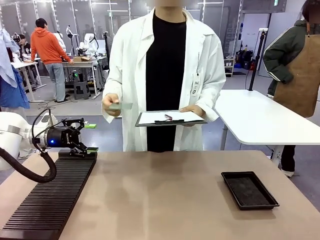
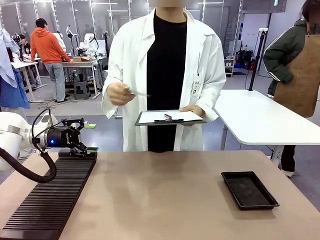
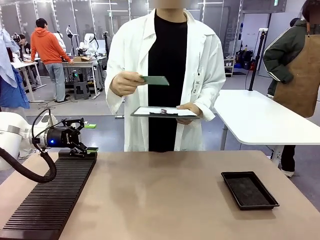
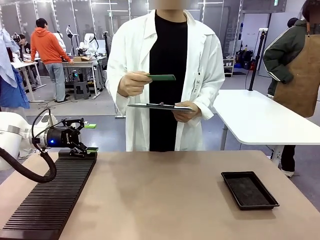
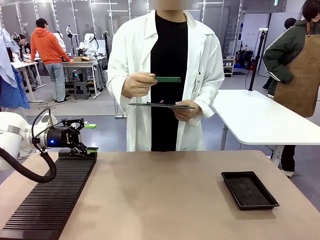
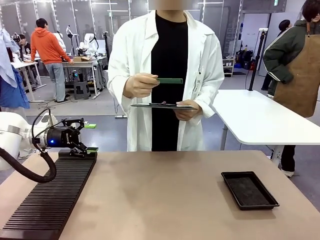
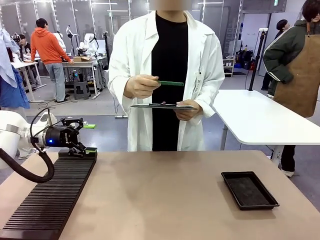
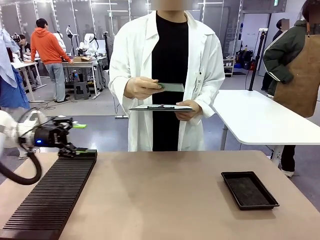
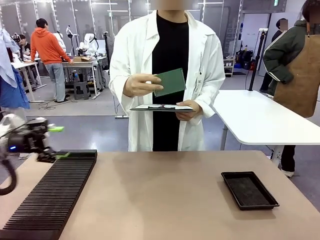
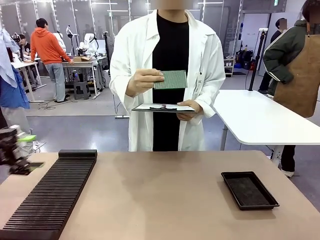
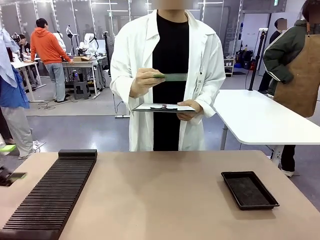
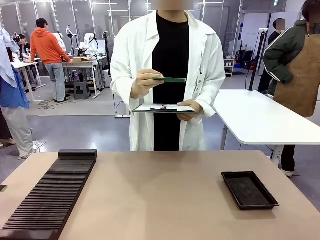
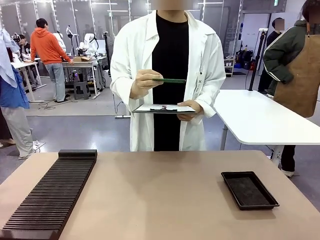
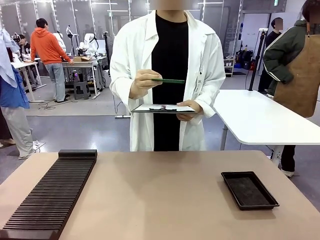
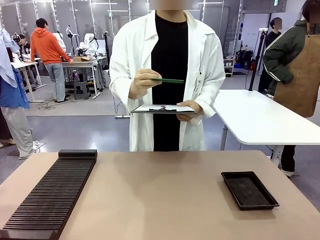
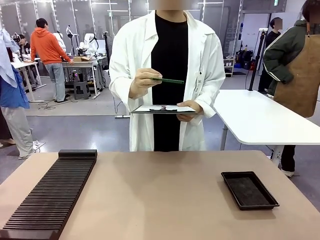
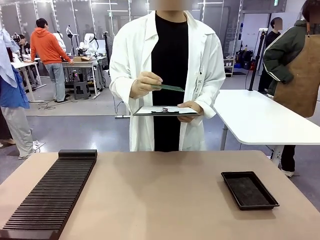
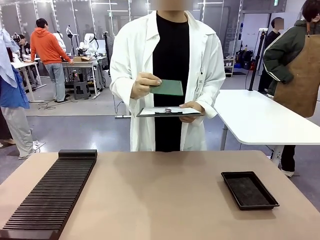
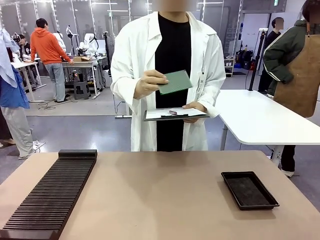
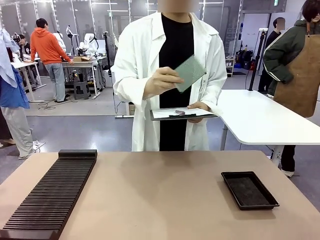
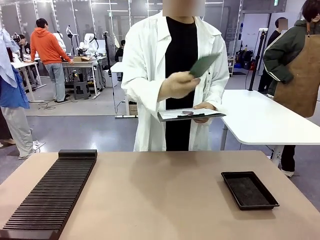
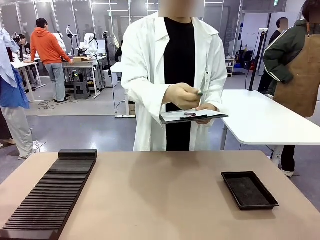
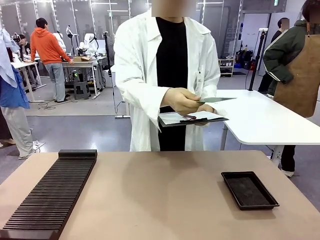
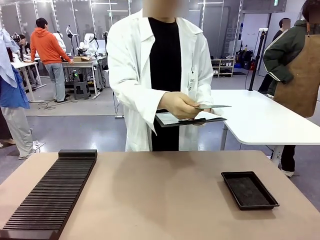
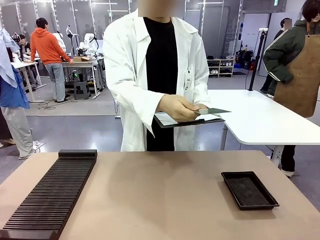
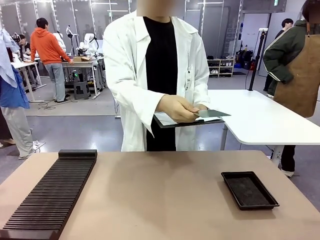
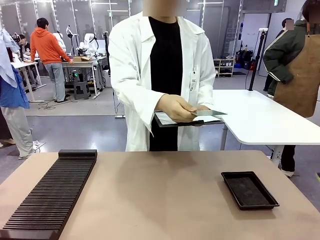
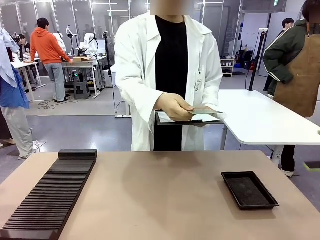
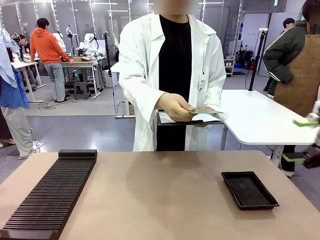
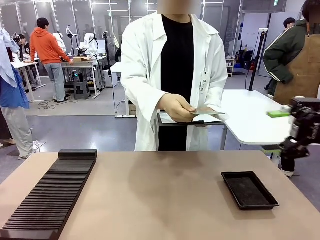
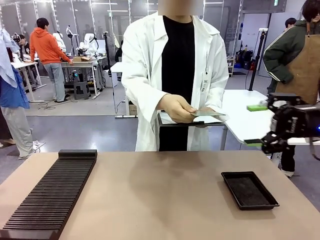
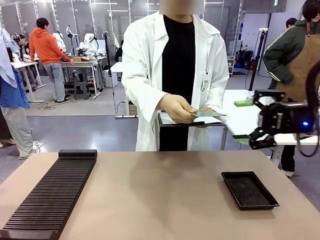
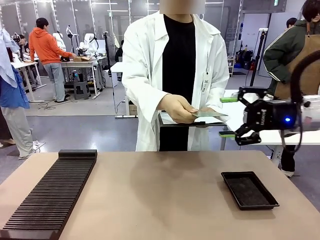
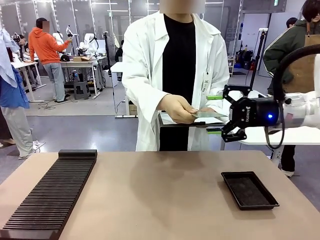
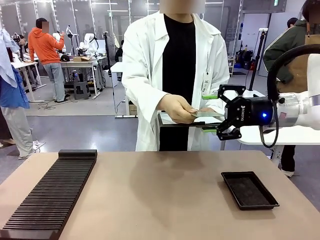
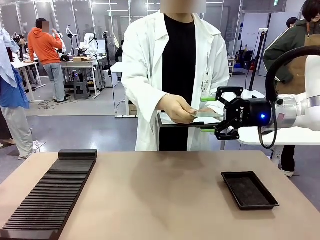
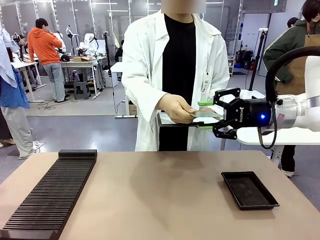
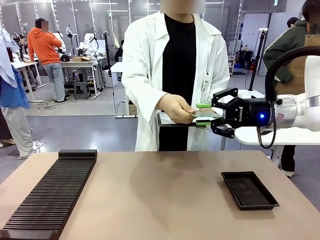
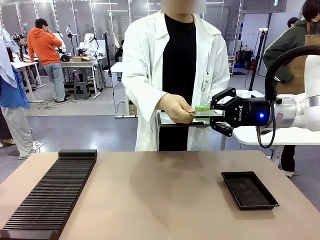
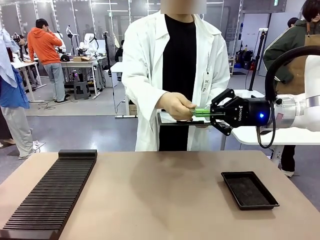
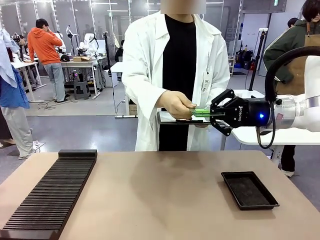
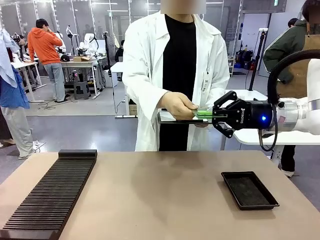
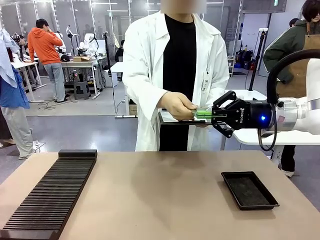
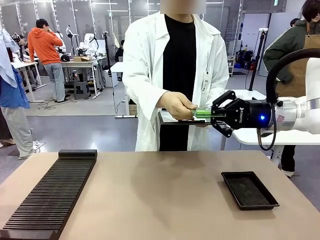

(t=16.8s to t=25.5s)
Task: Inspect the PCB.
Robot: Pick up the Blank PCB that the human is holding.
Person: Inspect the PCB placed by the robot, then hold it out in front of the robot. Release the PCB you were holding.

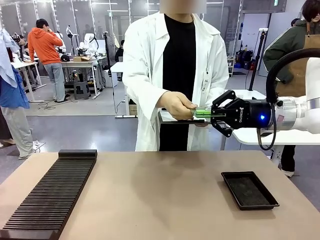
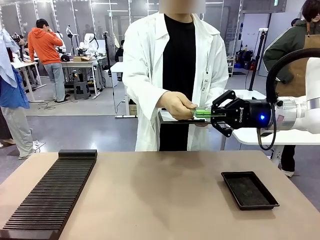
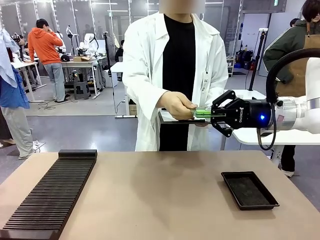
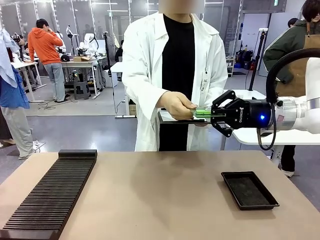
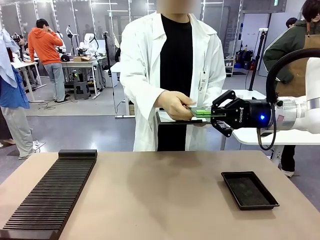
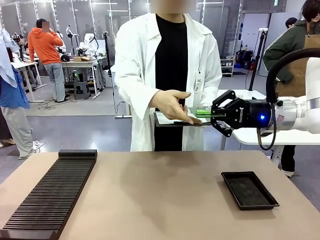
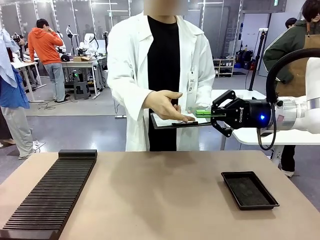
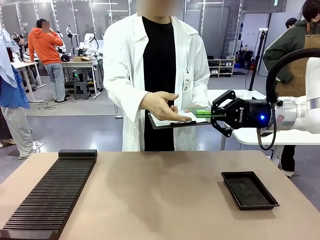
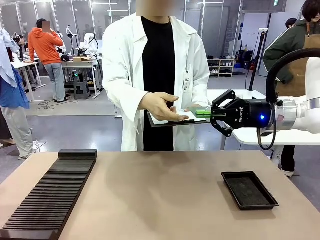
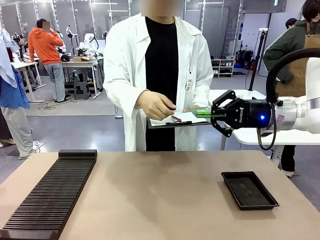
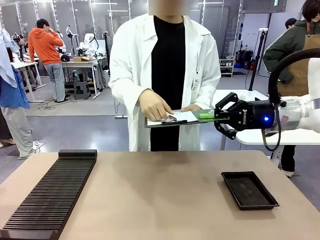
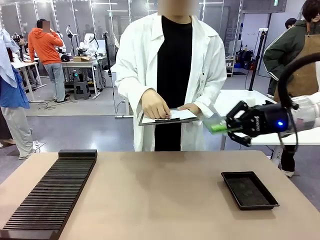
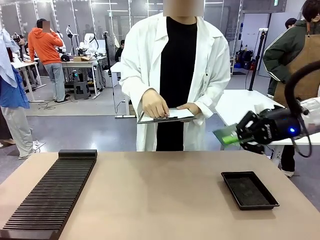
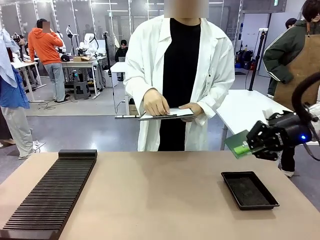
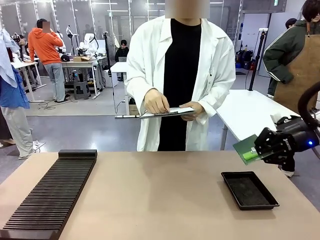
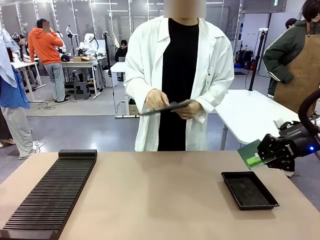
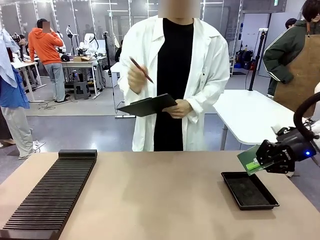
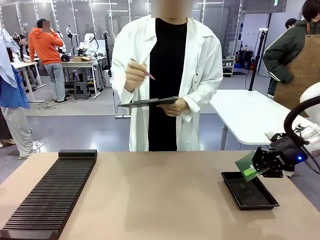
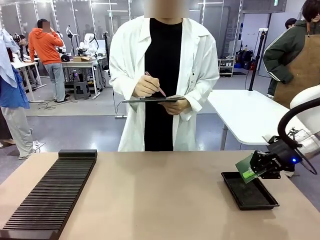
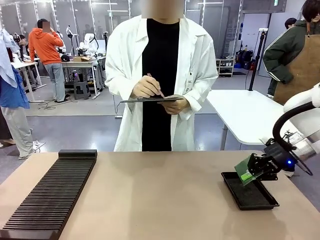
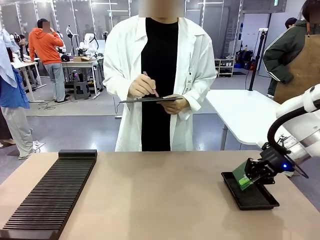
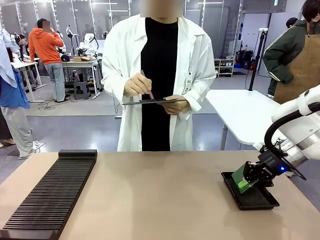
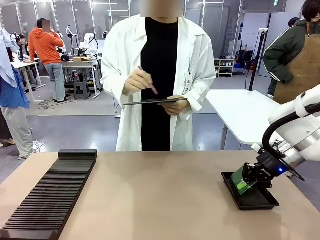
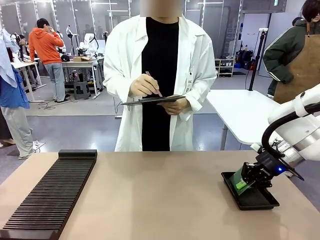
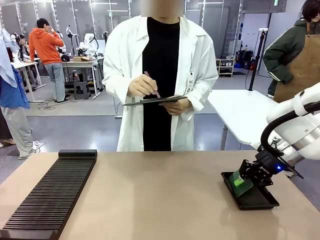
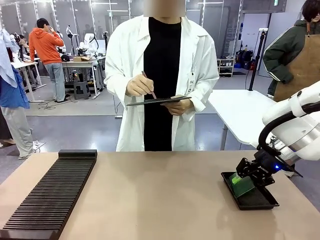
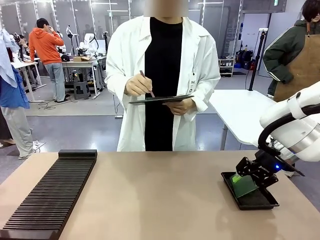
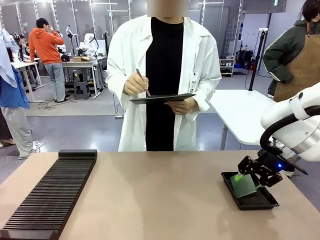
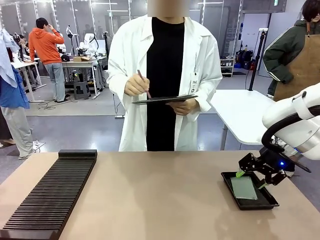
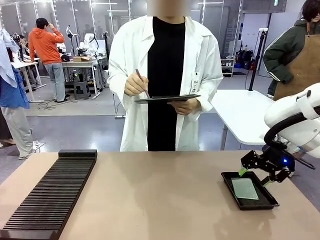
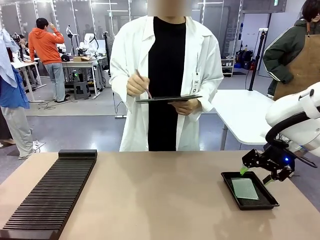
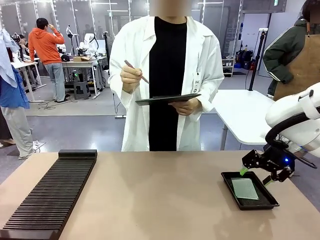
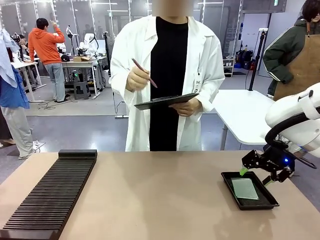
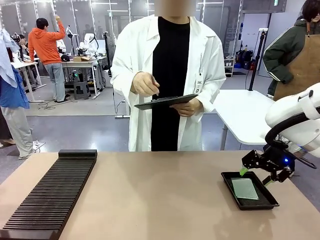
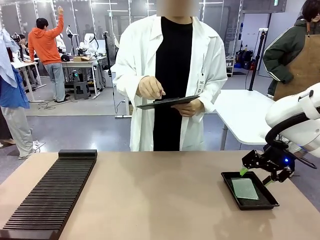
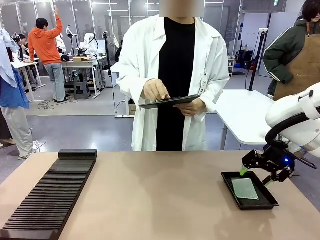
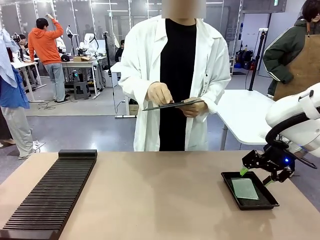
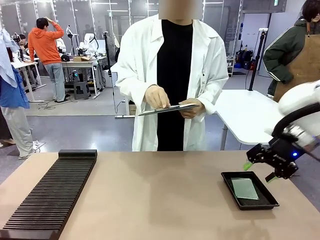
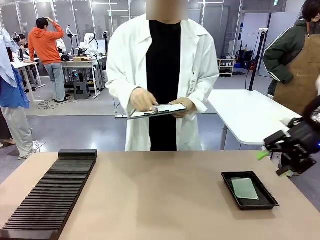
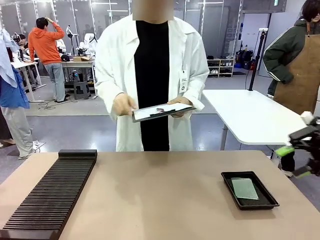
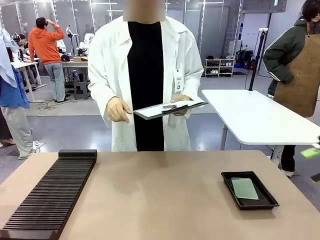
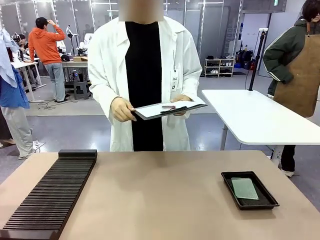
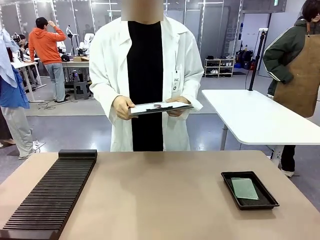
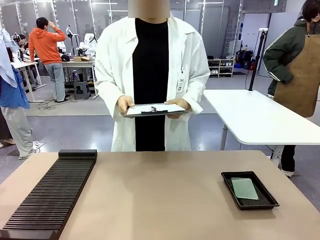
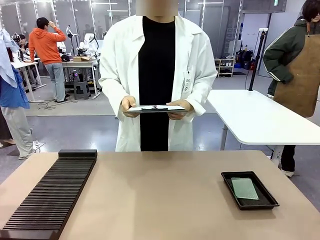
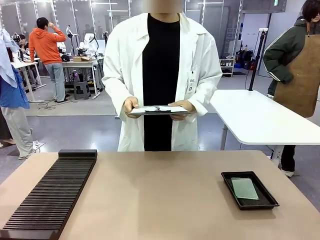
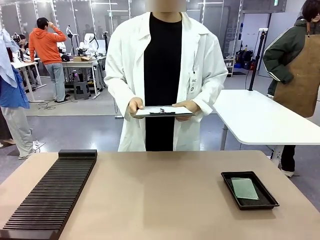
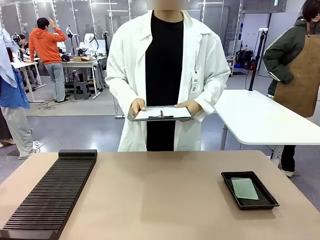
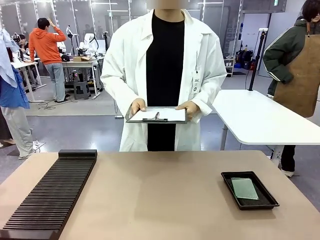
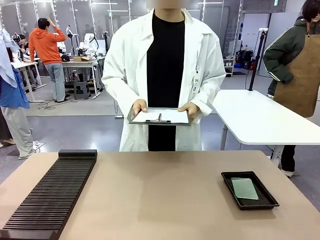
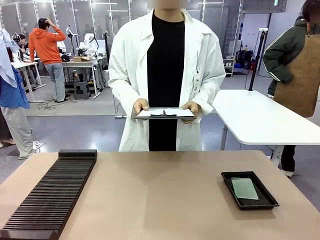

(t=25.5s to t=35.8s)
Robot: Place the Blank PCB in the ESD tray.
Person: Record the PCB status on the paper.
